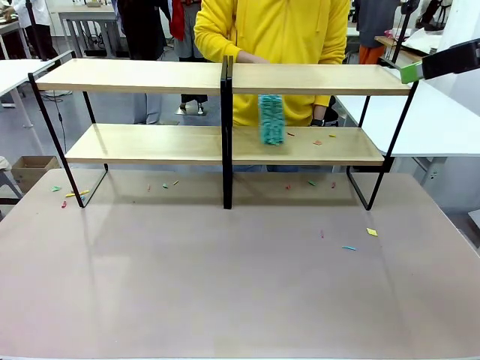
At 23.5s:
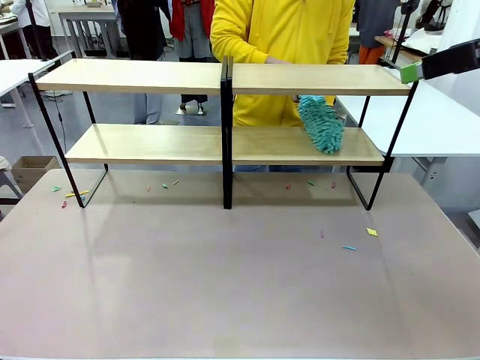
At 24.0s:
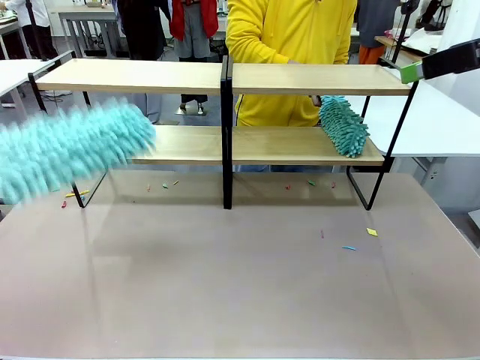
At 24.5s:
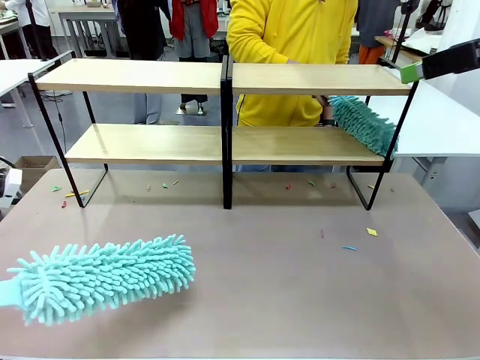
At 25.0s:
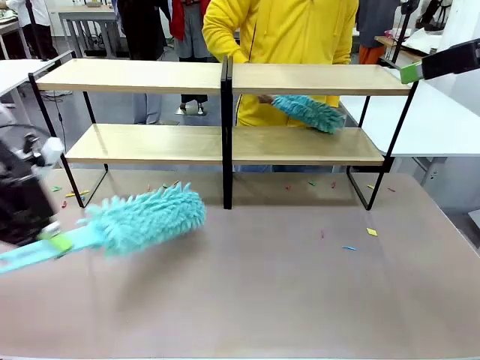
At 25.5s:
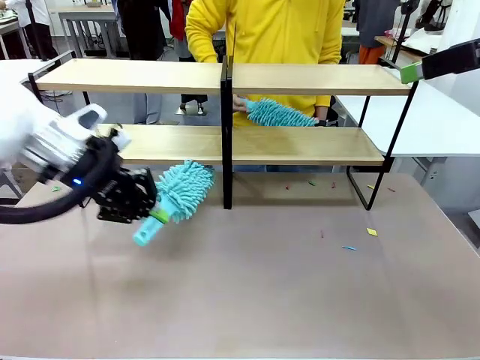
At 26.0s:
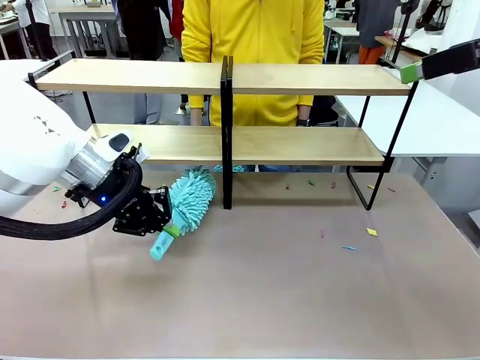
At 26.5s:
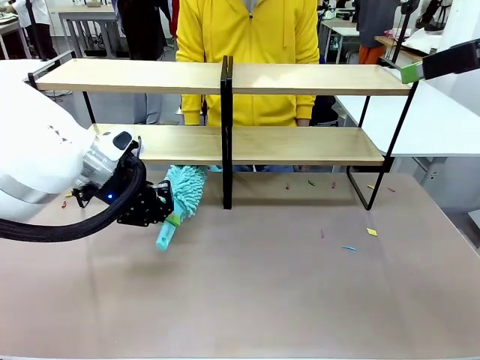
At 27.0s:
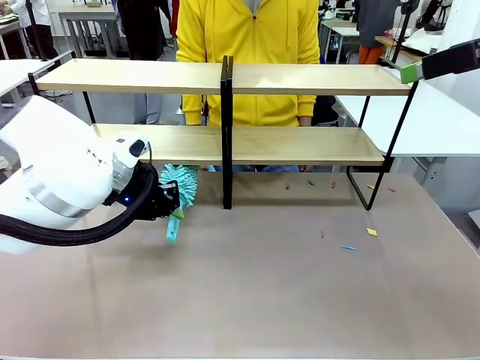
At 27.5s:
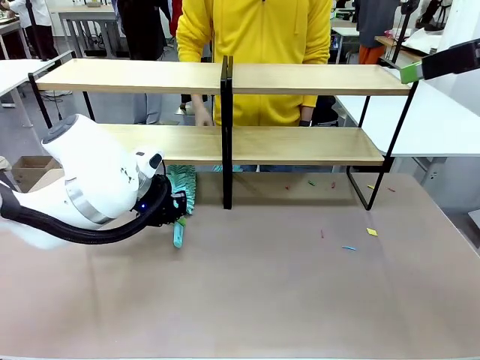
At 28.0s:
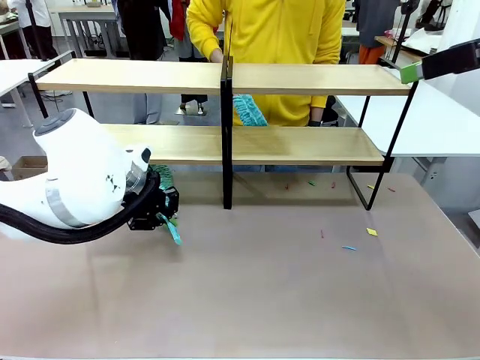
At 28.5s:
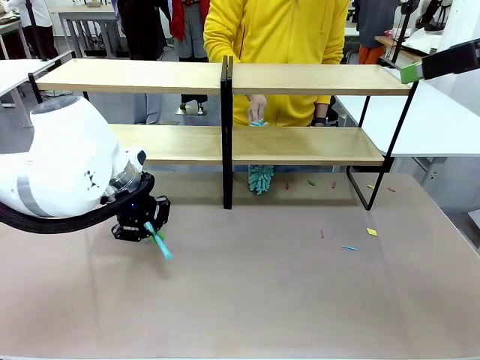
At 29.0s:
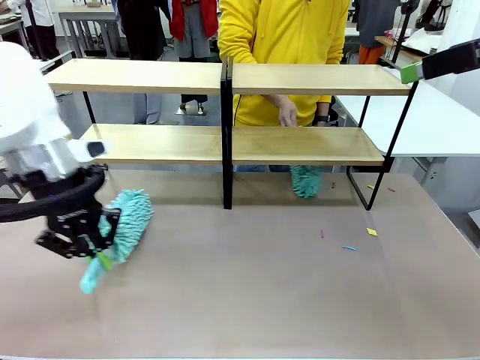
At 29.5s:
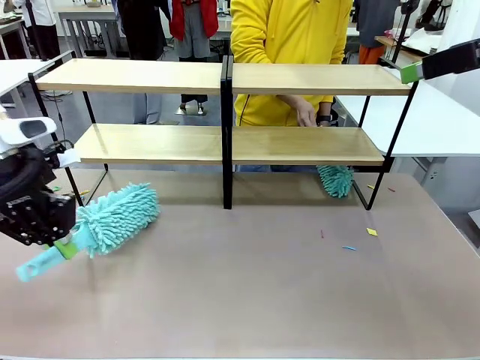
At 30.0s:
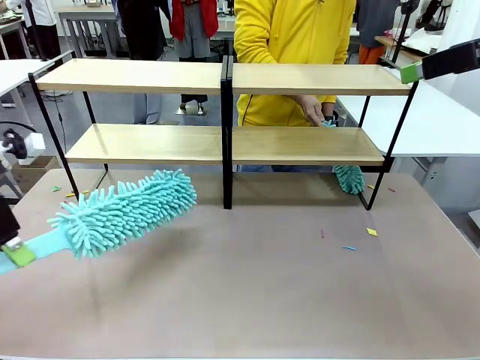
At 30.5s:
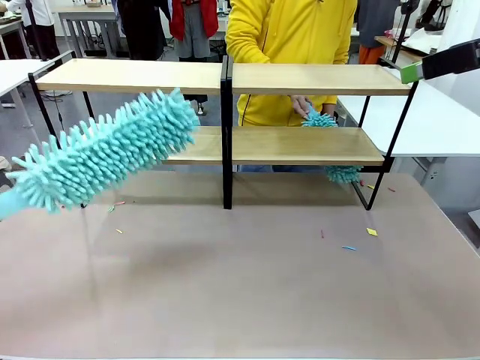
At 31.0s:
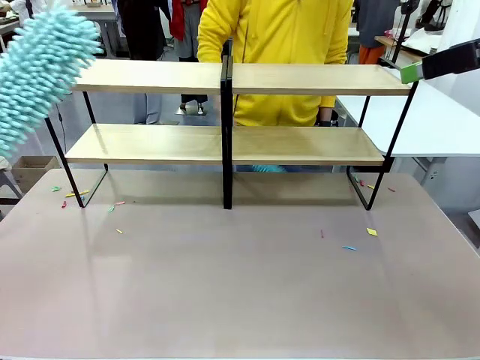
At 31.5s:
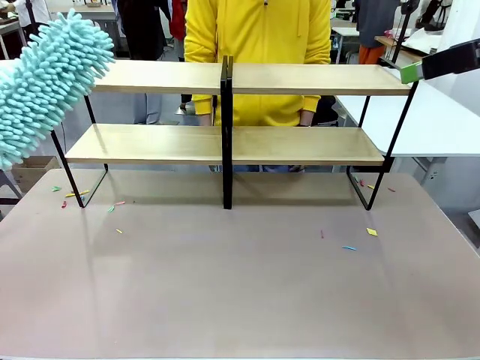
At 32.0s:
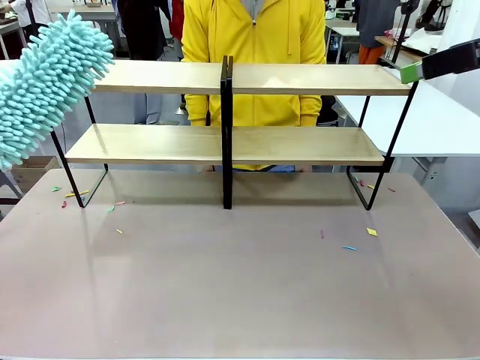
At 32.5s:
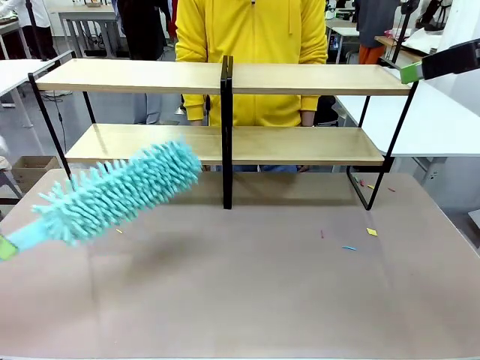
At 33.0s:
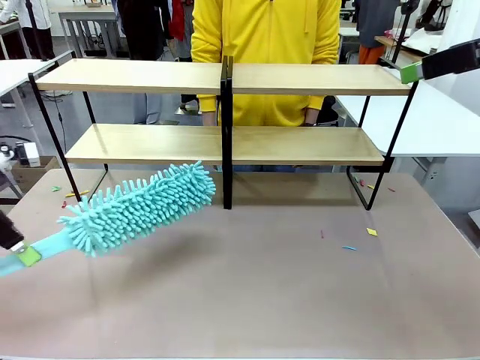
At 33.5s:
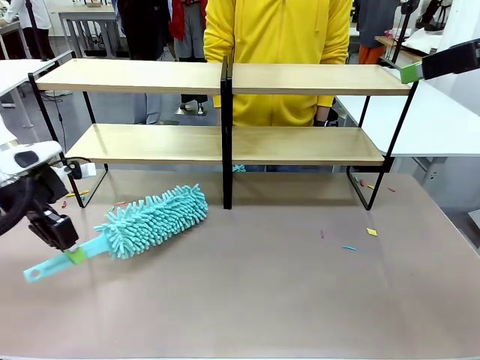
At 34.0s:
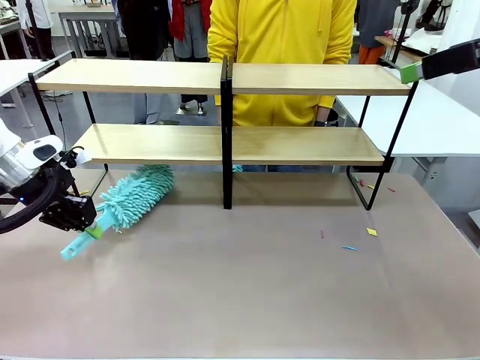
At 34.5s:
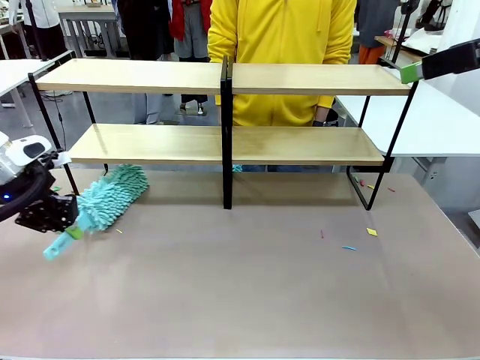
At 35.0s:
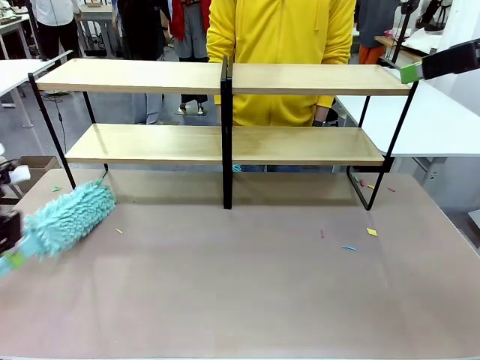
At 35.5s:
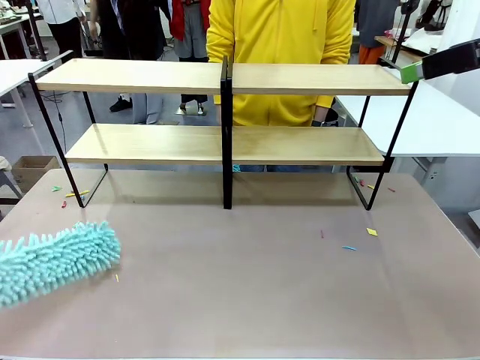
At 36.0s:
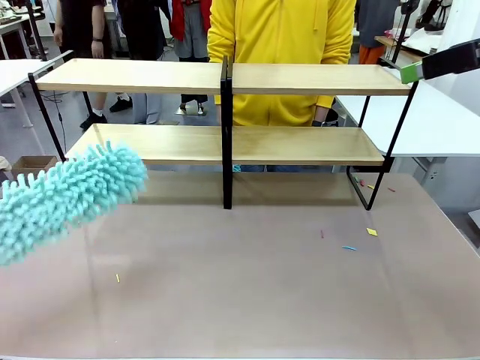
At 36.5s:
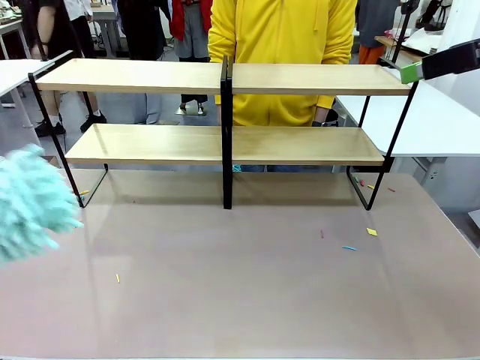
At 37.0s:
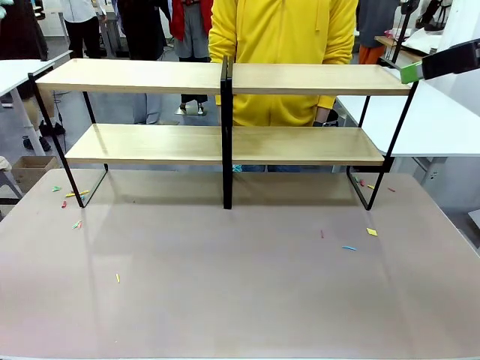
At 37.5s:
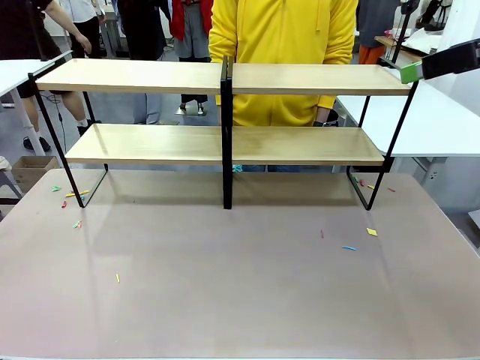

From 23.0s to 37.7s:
Task: Clean the shelves.
Robot: Clean another randomly selected level of the Shelf with the Duster.

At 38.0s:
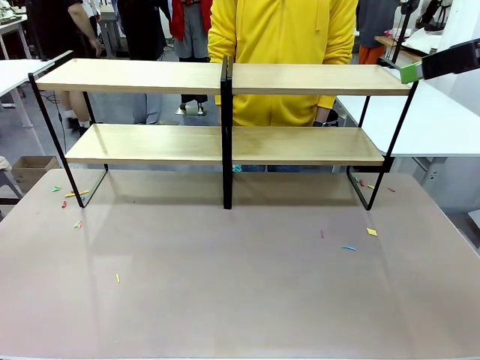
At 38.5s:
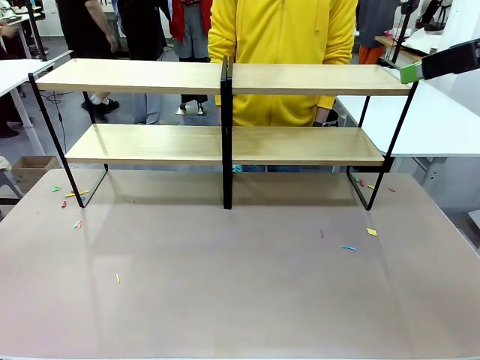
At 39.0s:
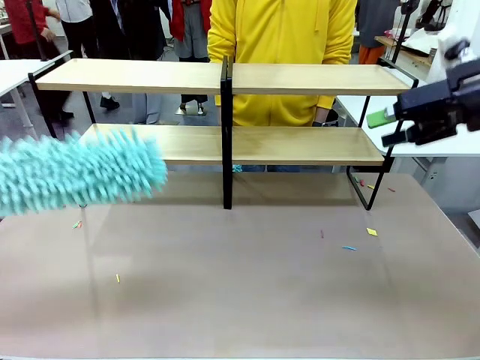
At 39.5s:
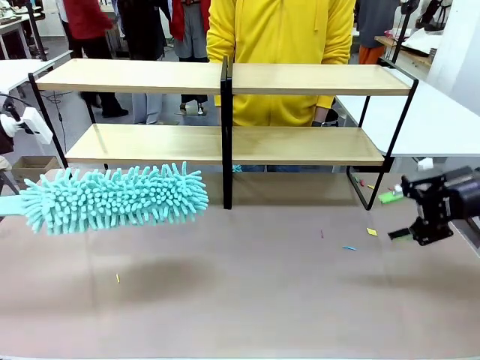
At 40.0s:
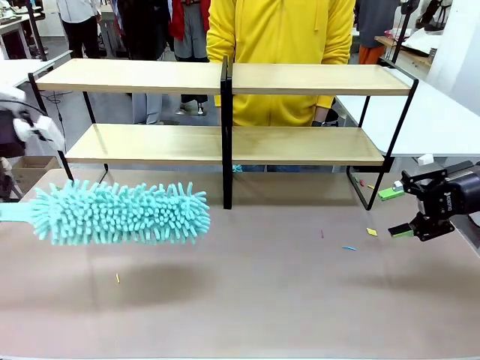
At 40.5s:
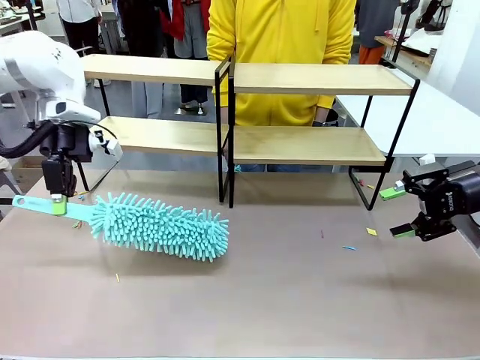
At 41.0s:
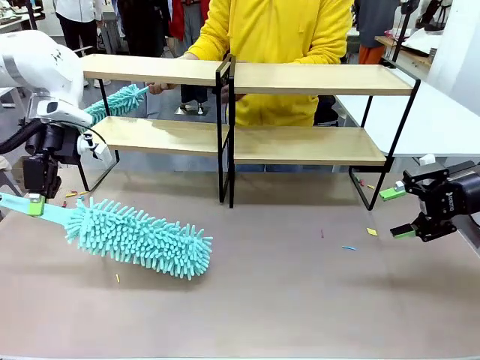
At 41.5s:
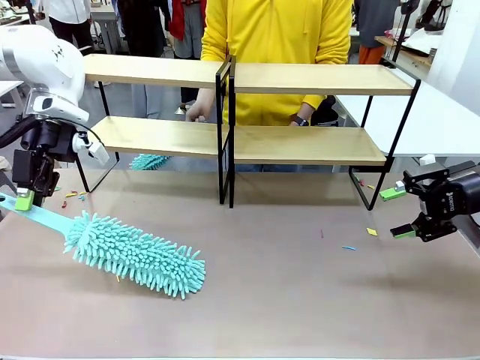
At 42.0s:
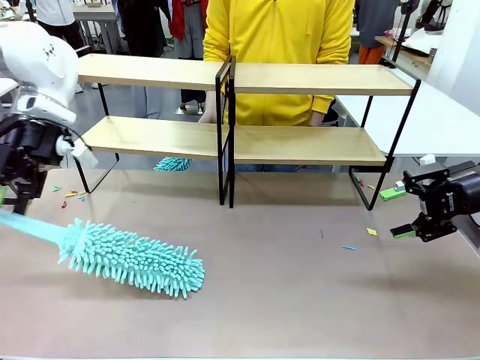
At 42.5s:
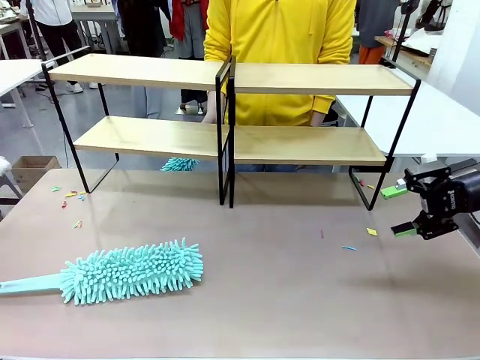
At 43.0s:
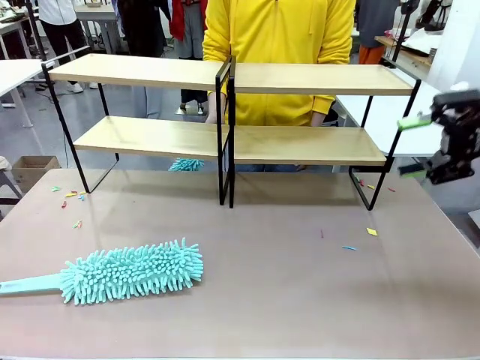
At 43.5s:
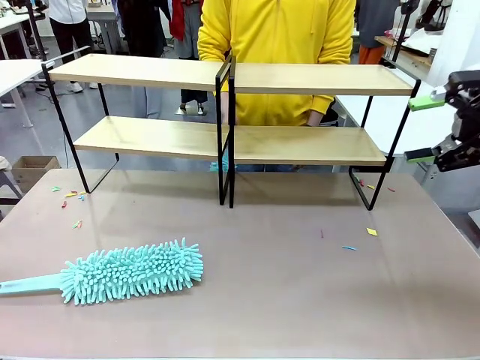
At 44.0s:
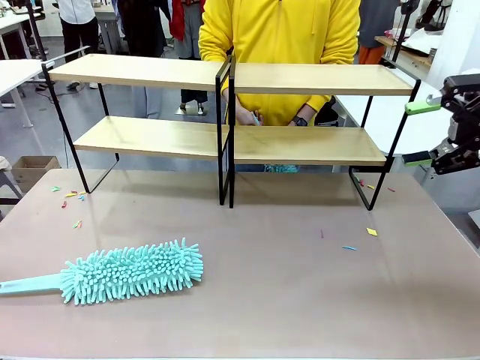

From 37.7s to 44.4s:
Robot: Place the Duster on the table.
